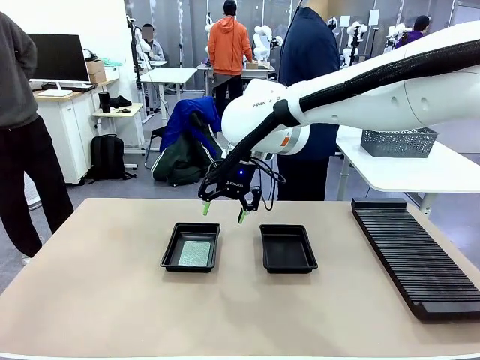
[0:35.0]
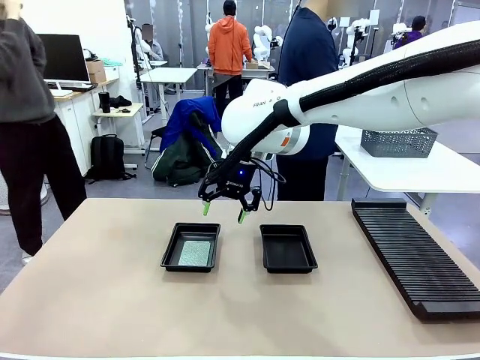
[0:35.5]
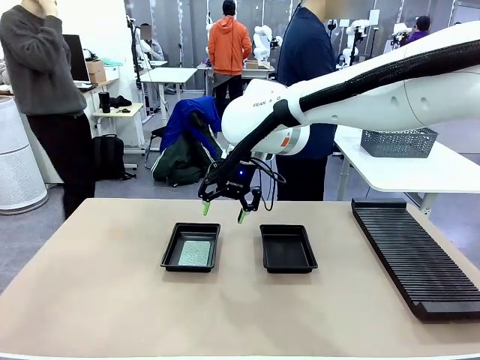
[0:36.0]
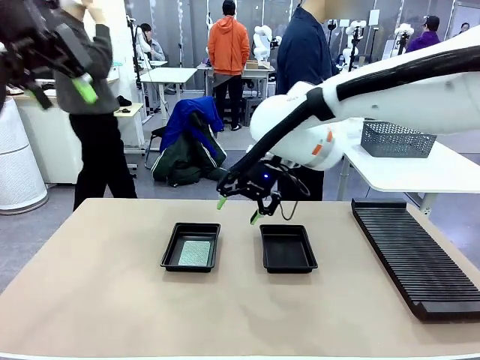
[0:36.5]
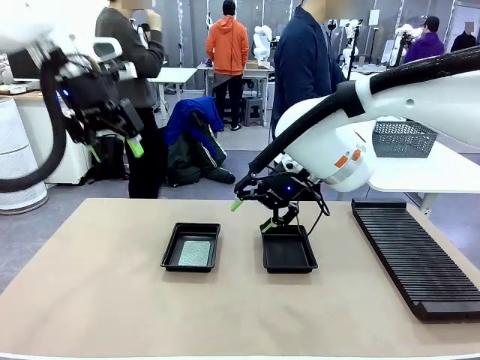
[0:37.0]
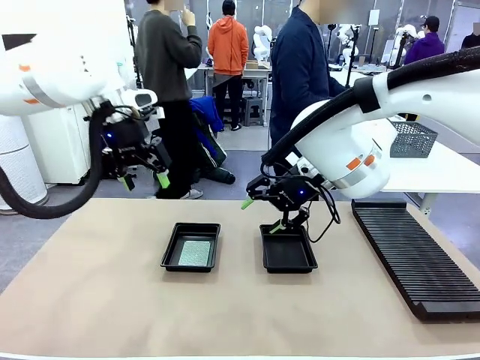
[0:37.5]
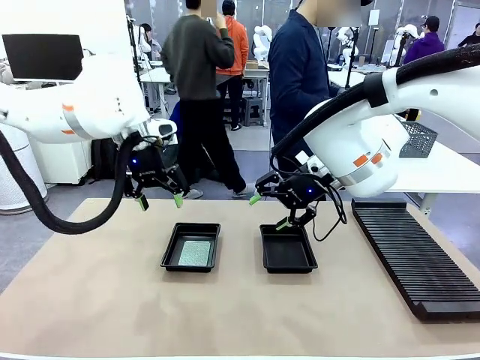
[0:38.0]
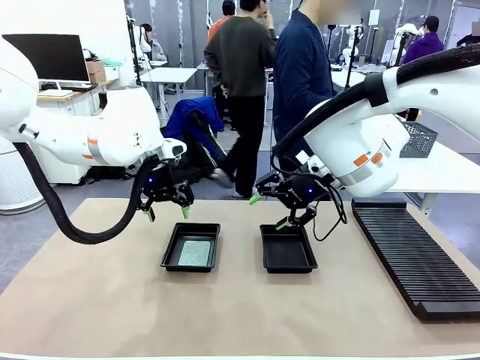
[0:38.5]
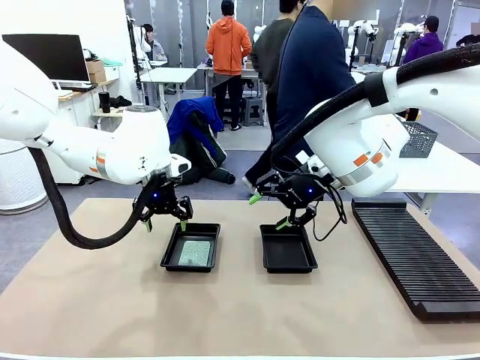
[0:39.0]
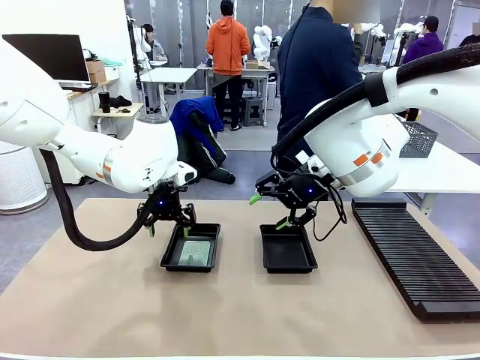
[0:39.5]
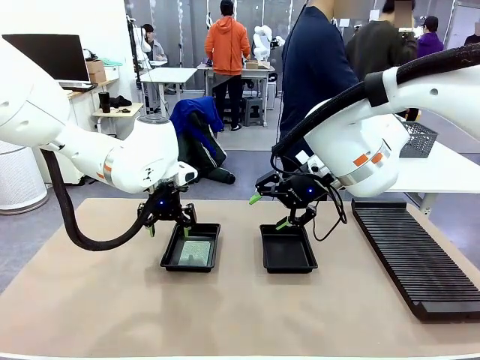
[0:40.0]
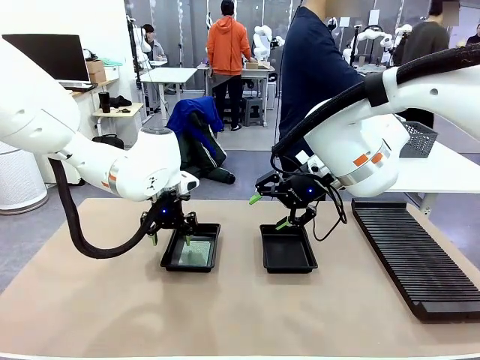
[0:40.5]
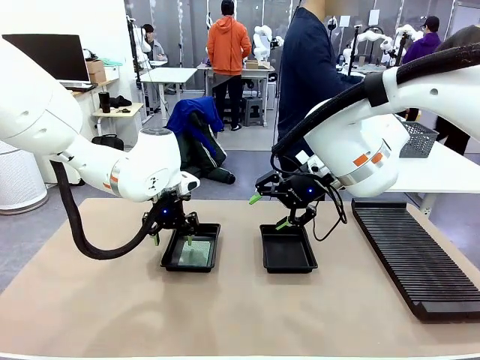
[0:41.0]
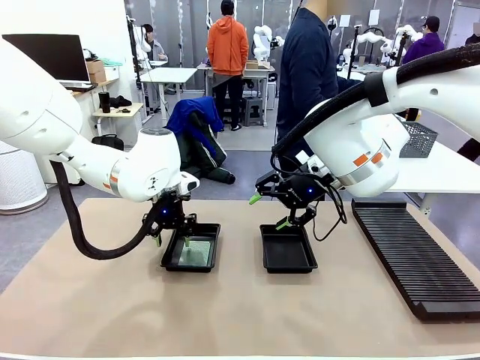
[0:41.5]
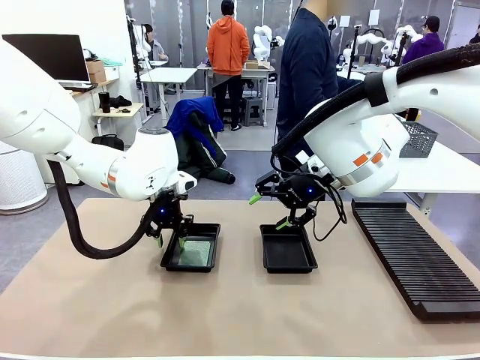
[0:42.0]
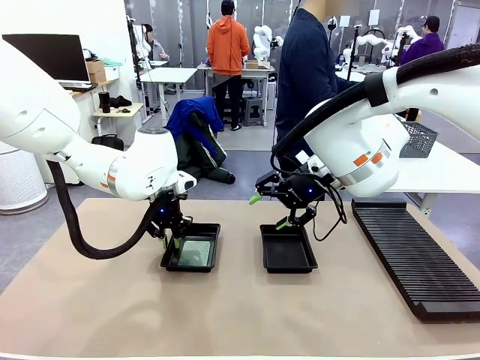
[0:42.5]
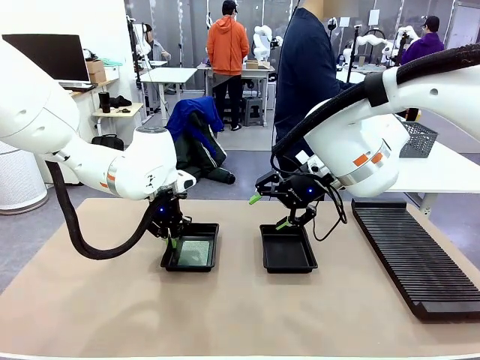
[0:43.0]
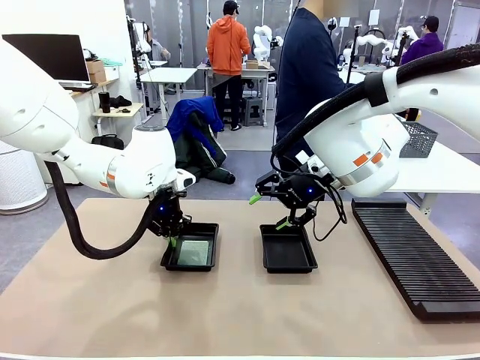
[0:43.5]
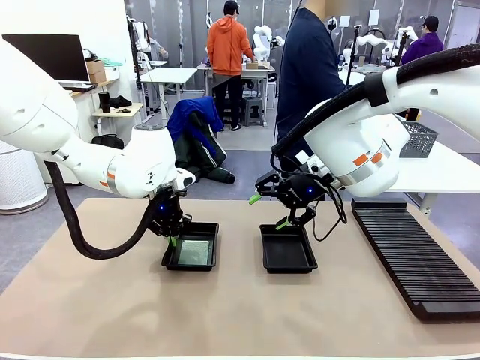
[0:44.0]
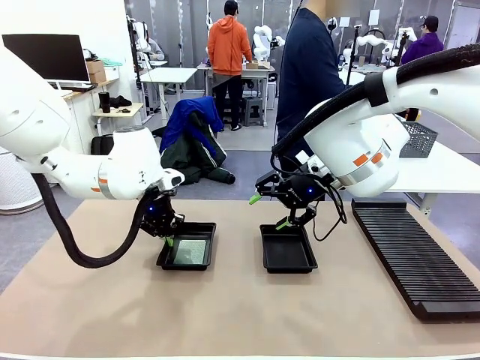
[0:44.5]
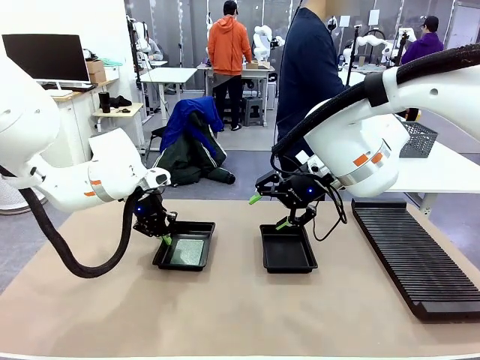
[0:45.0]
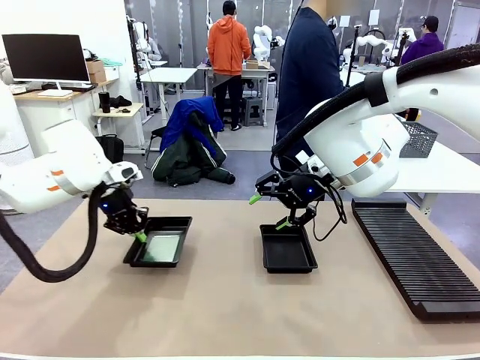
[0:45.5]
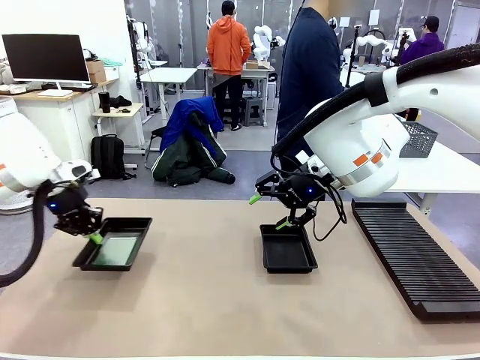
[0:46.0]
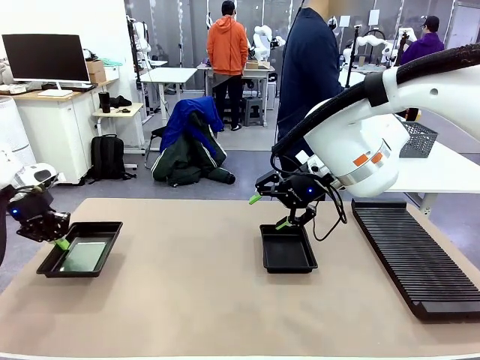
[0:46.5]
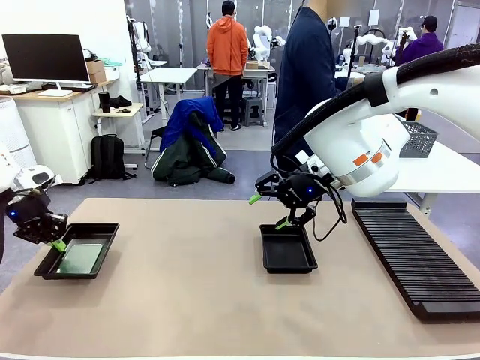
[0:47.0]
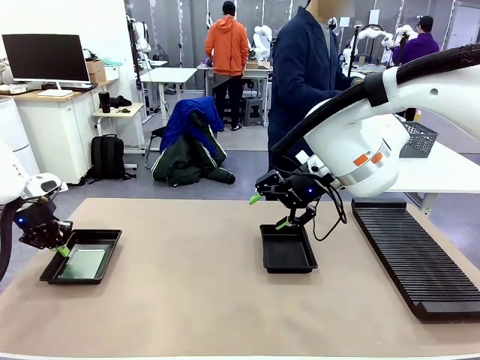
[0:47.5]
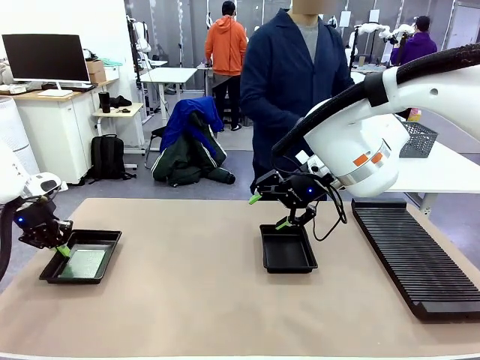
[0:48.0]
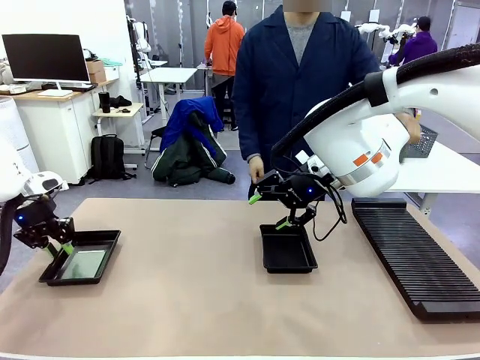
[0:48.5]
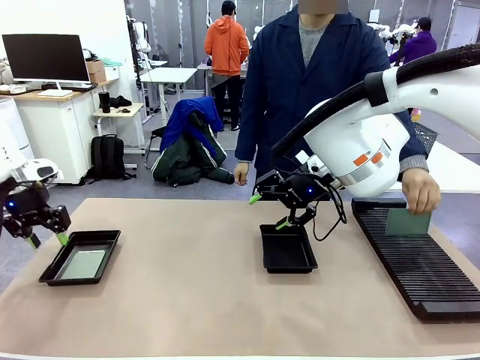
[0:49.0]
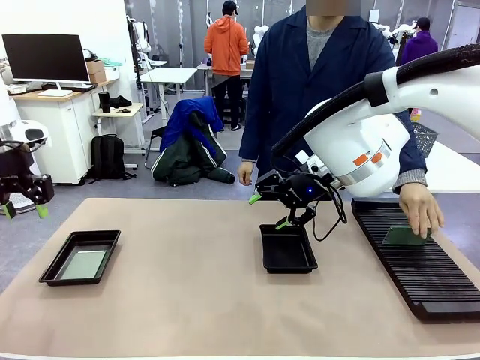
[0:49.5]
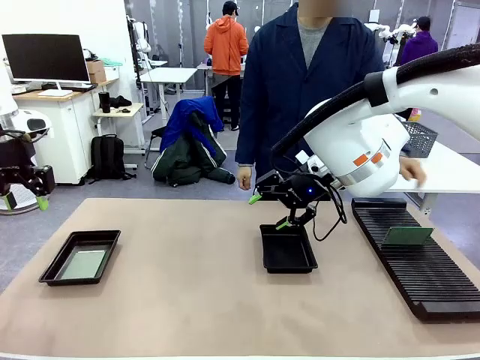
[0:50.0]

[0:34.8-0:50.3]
Task: Inspect and transfer BCBs to ESD trays.
Robot: Pick up the ESD tray and place it on the left side of the table.

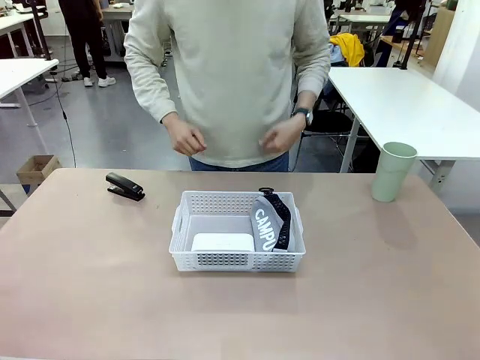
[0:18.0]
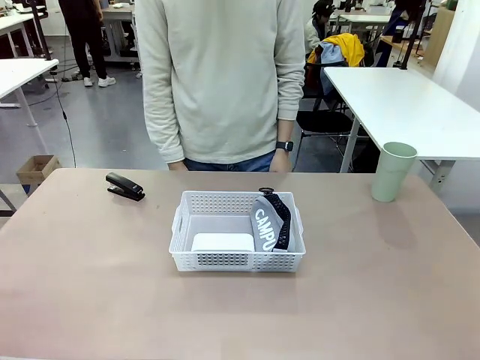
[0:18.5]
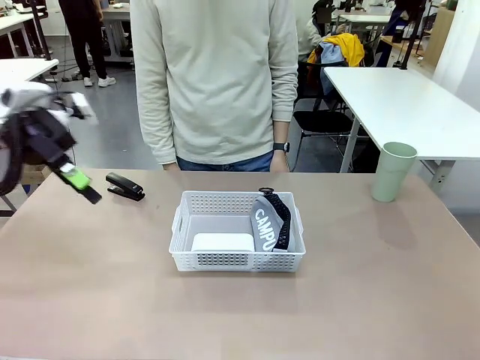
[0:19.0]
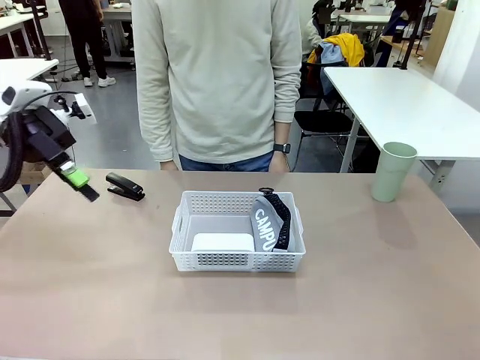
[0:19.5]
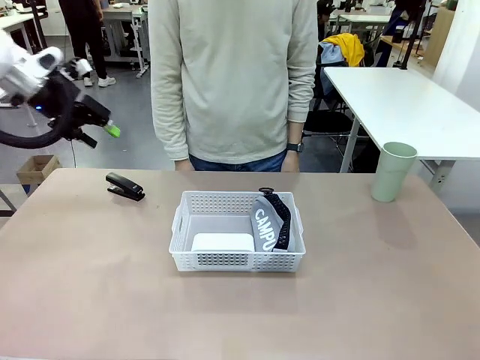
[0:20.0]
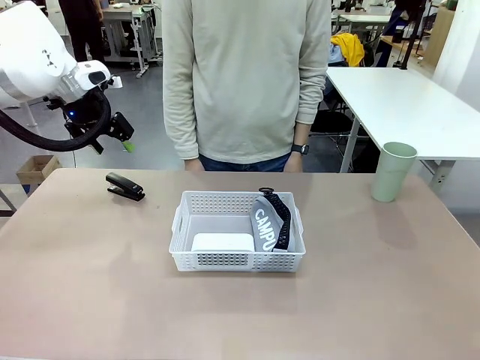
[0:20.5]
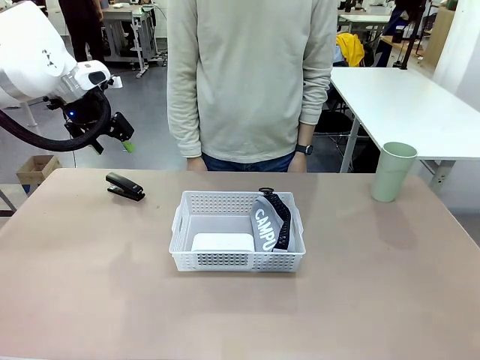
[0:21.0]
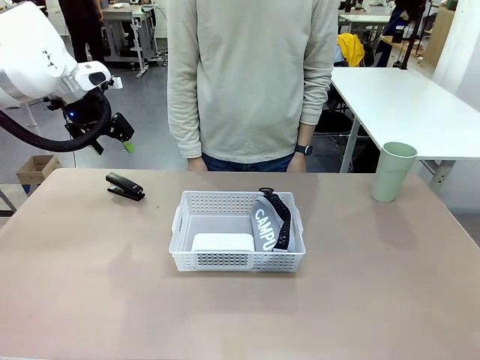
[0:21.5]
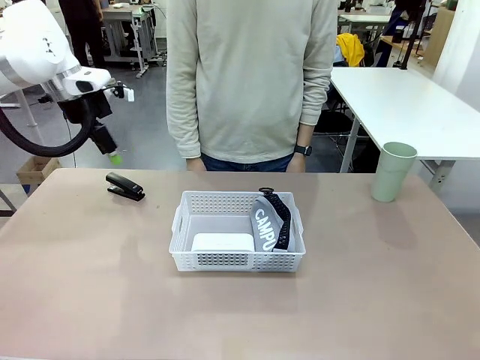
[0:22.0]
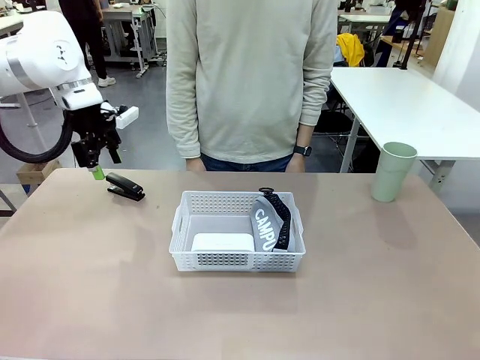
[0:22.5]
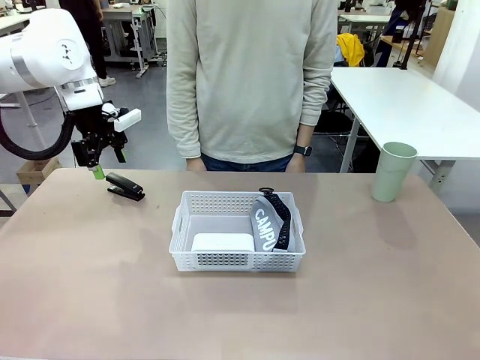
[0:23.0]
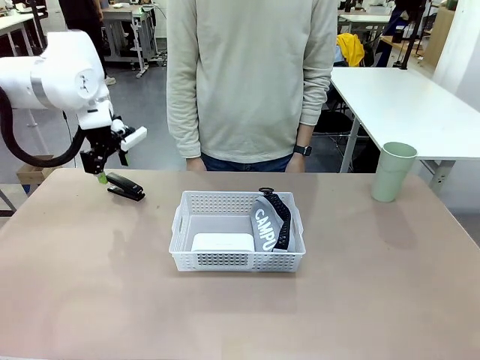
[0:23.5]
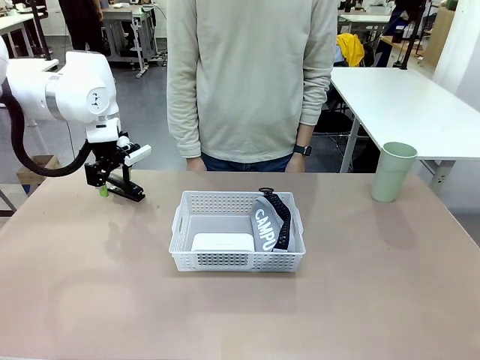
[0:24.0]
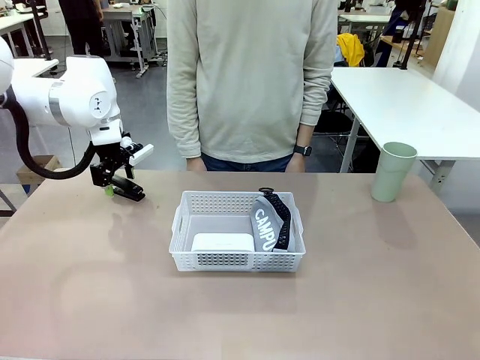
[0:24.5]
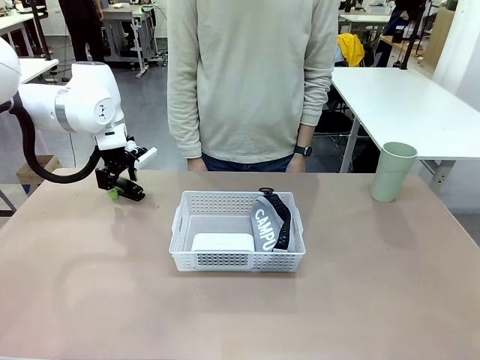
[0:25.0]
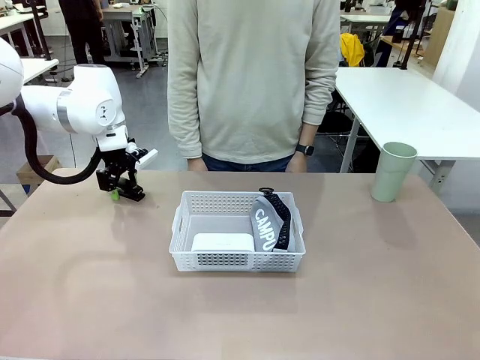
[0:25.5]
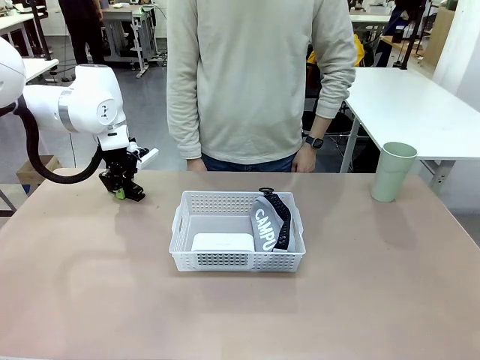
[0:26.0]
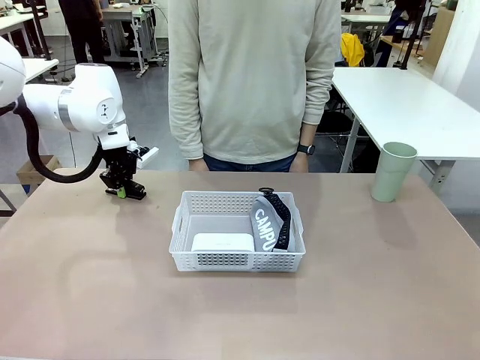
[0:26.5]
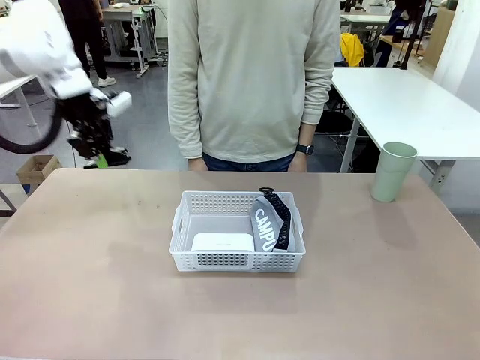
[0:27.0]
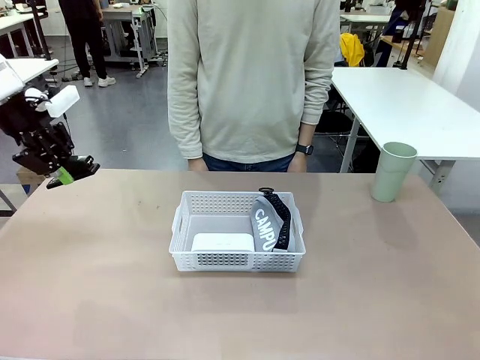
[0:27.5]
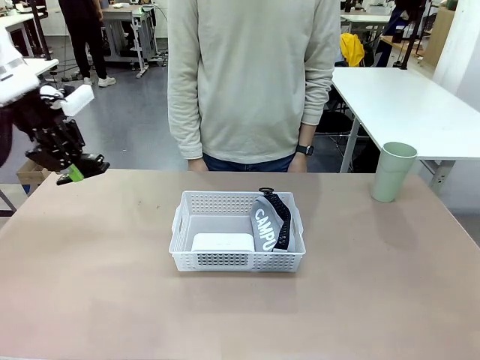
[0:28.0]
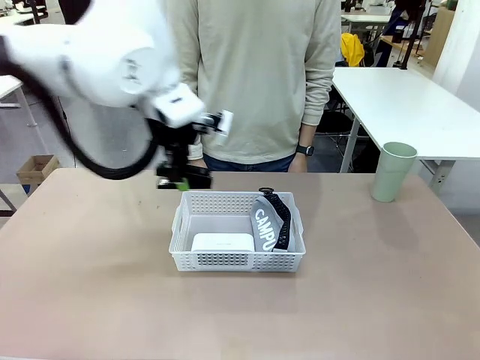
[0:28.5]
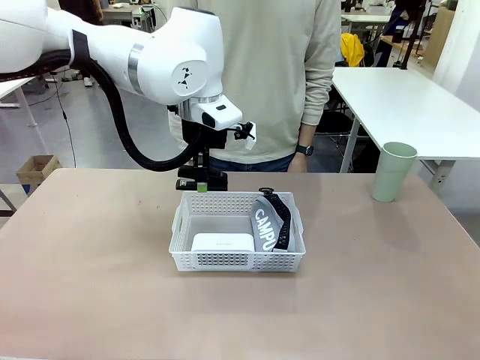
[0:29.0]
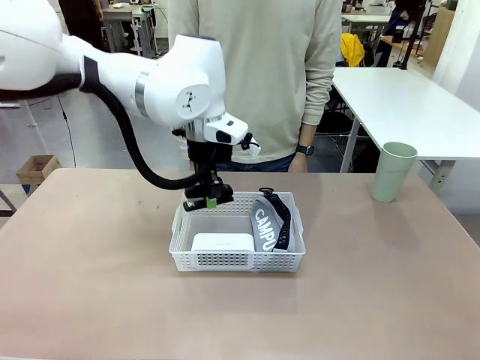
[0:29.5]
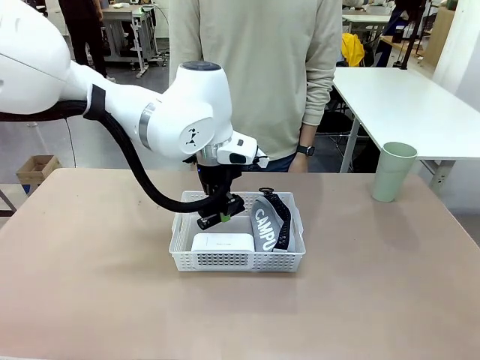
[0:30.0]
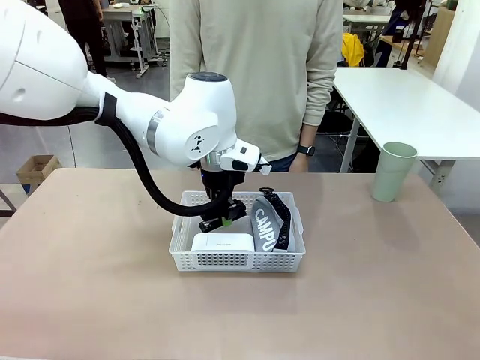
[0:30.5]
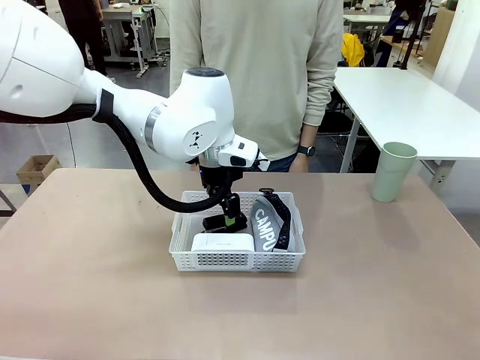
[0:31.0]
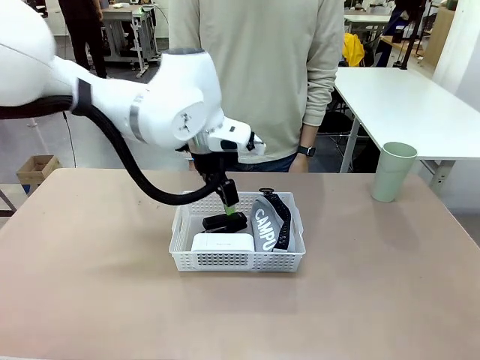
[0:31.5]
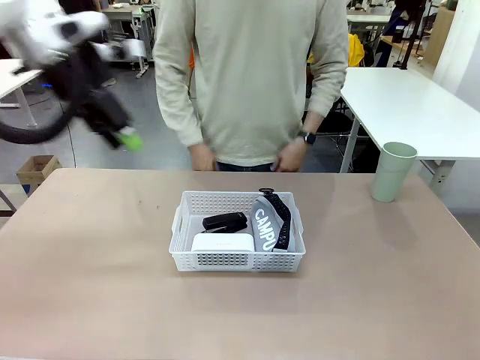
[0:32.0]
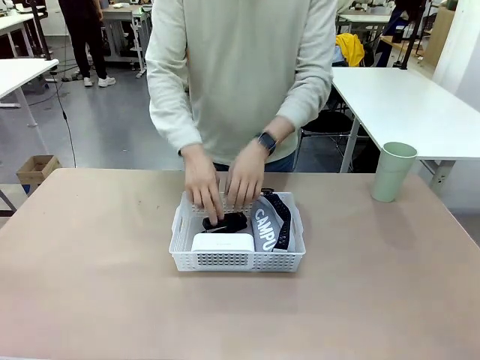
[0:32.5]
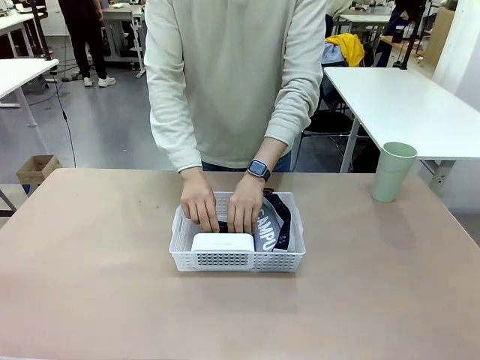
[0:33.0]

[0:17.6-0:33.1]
Task: Efficiently arrange items inside the basket to fit them all.
Robot: Pick up the Stapler and place it inside the Organizing basket.
